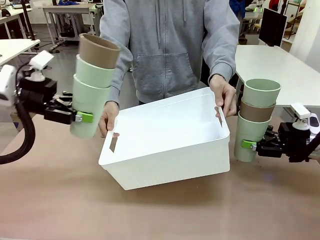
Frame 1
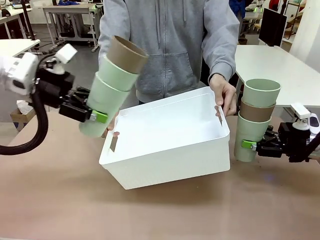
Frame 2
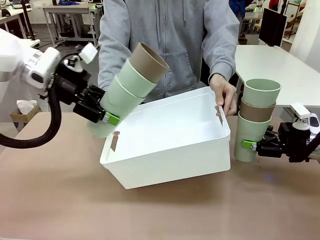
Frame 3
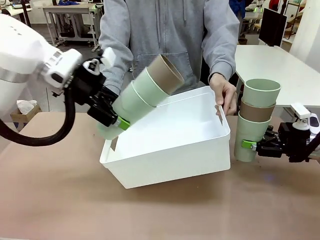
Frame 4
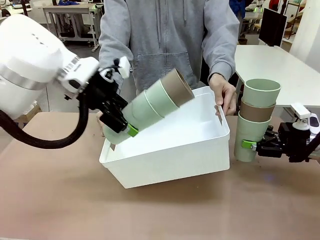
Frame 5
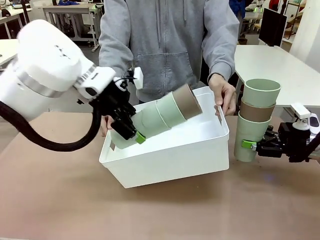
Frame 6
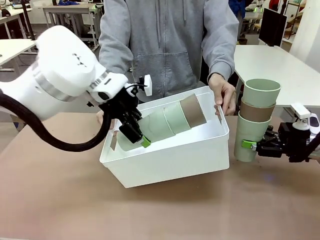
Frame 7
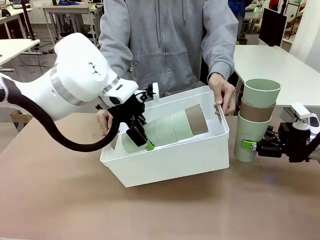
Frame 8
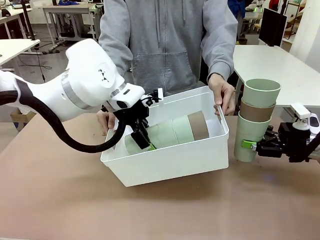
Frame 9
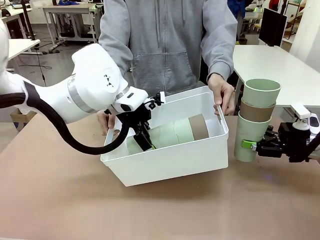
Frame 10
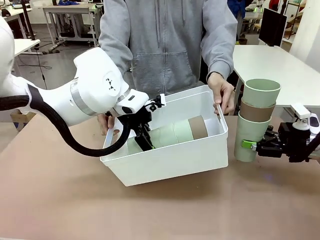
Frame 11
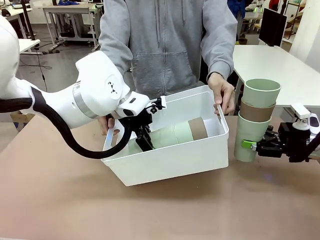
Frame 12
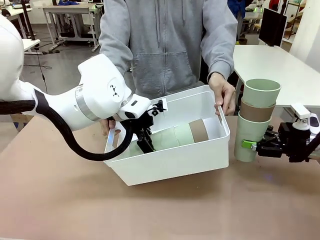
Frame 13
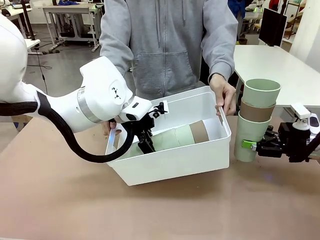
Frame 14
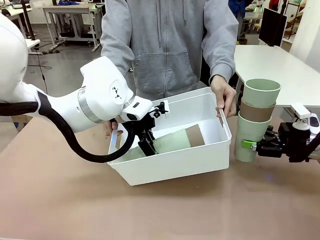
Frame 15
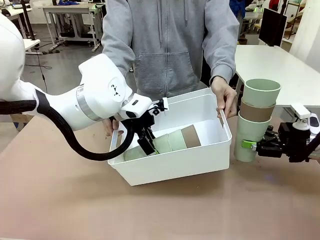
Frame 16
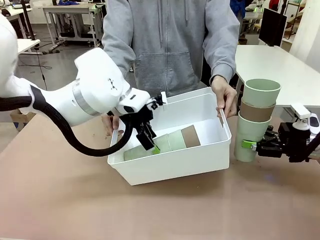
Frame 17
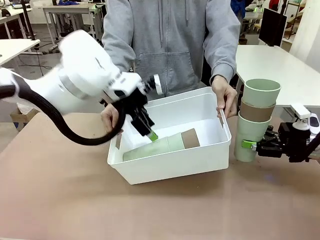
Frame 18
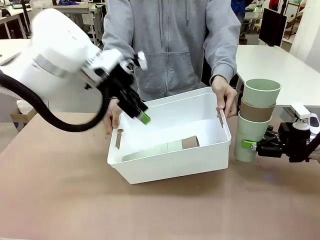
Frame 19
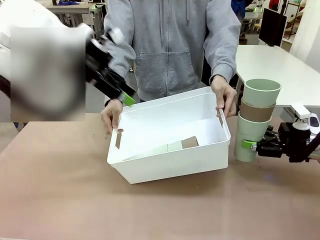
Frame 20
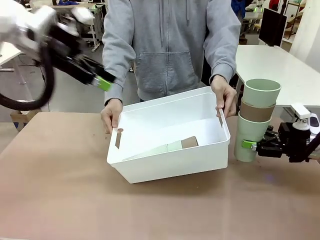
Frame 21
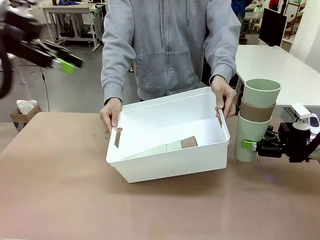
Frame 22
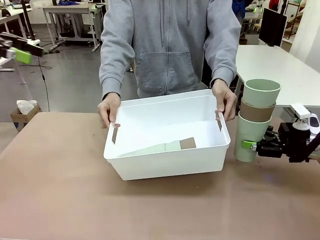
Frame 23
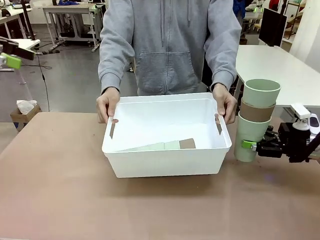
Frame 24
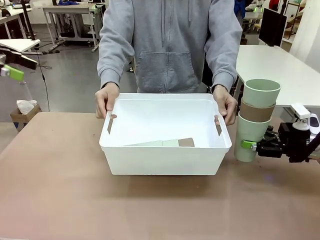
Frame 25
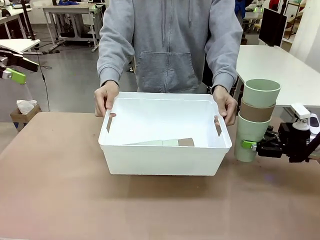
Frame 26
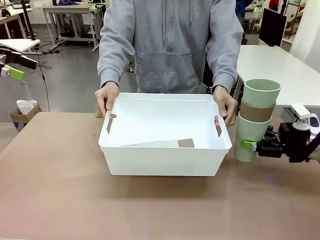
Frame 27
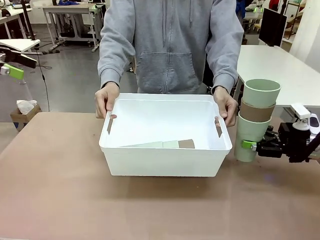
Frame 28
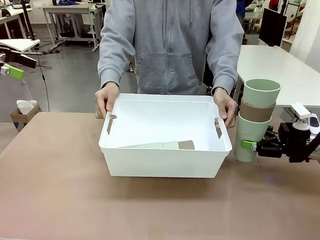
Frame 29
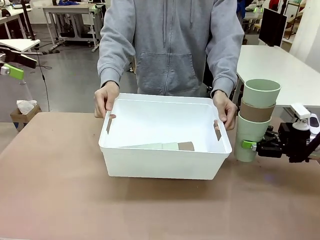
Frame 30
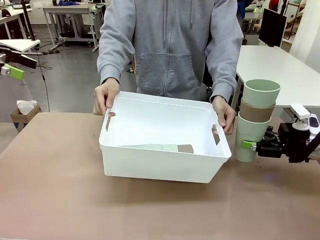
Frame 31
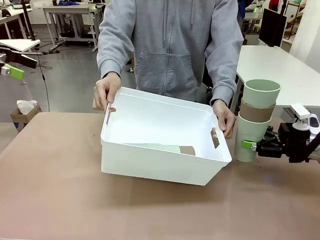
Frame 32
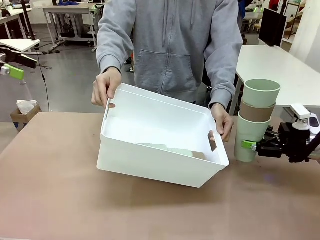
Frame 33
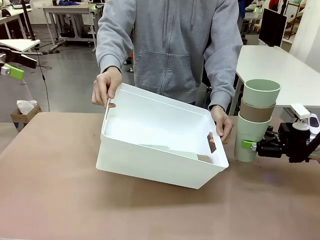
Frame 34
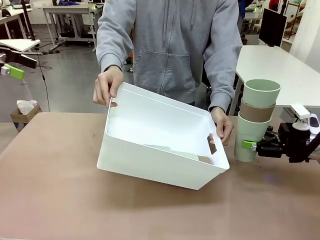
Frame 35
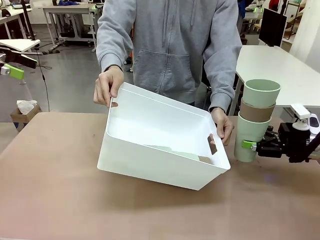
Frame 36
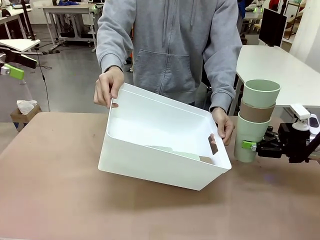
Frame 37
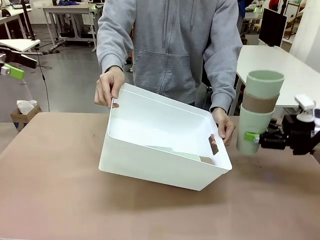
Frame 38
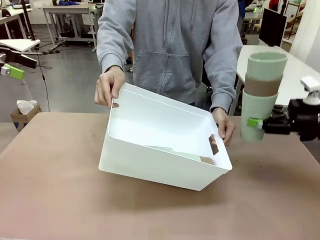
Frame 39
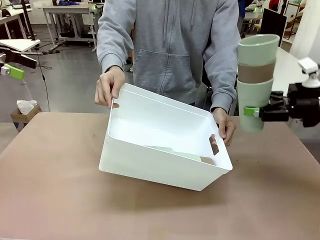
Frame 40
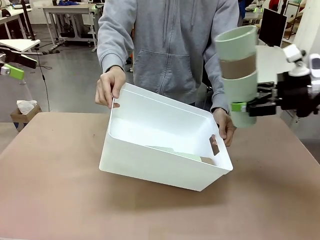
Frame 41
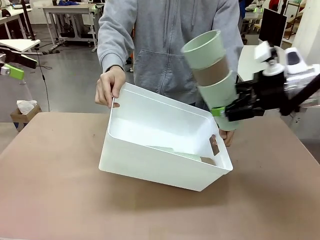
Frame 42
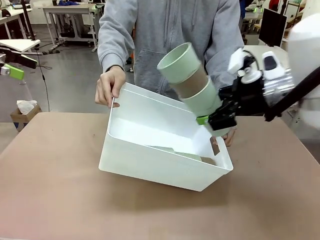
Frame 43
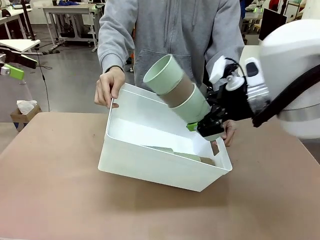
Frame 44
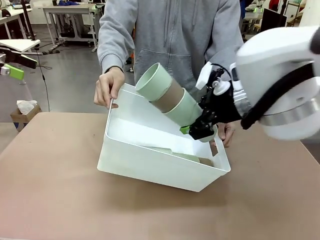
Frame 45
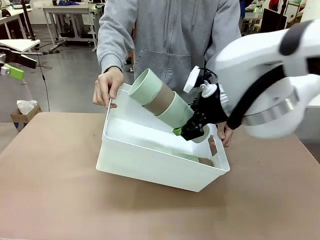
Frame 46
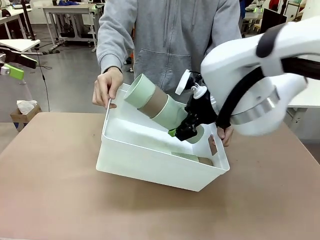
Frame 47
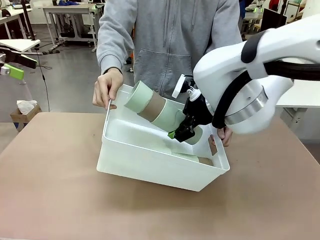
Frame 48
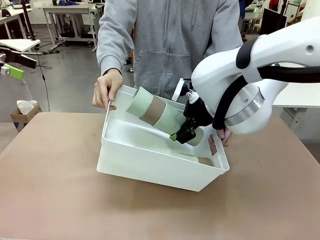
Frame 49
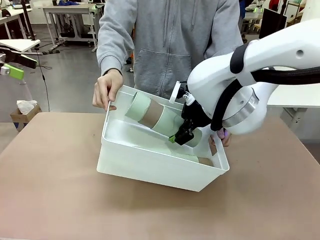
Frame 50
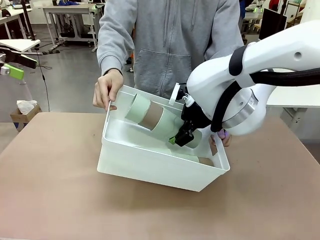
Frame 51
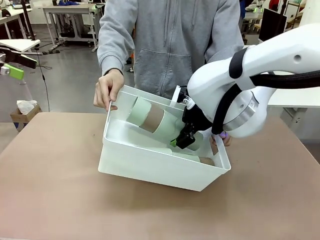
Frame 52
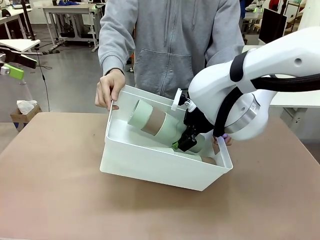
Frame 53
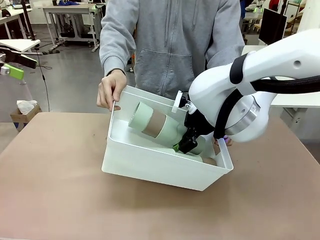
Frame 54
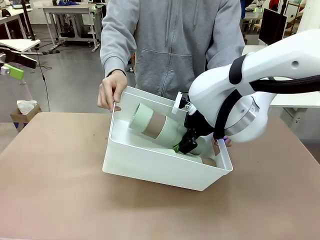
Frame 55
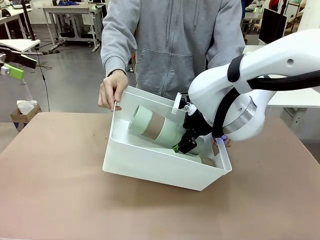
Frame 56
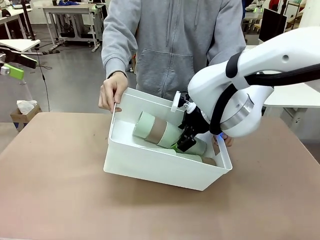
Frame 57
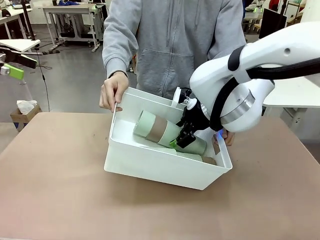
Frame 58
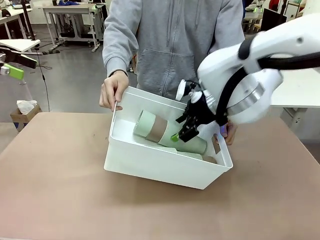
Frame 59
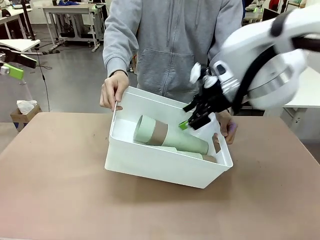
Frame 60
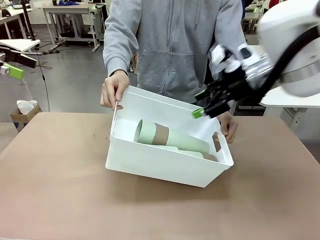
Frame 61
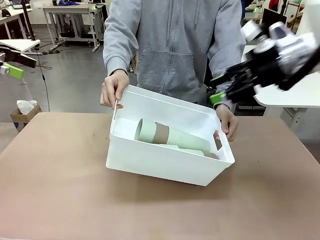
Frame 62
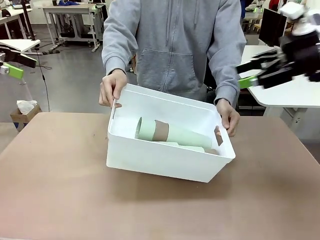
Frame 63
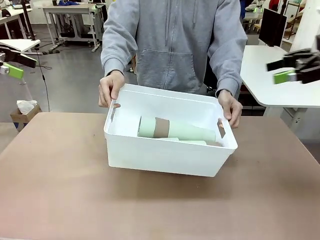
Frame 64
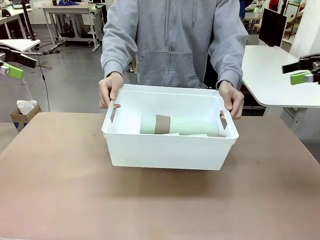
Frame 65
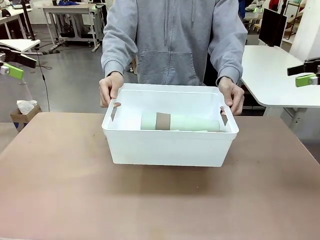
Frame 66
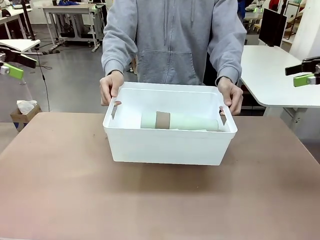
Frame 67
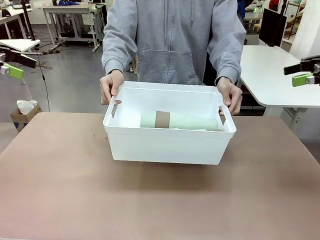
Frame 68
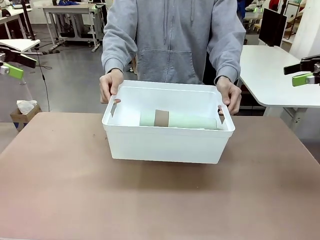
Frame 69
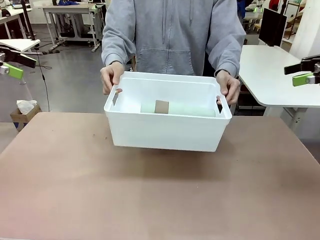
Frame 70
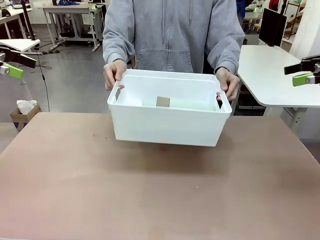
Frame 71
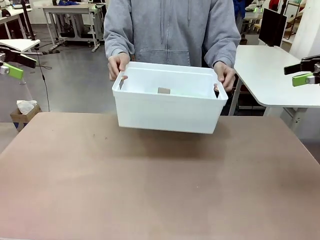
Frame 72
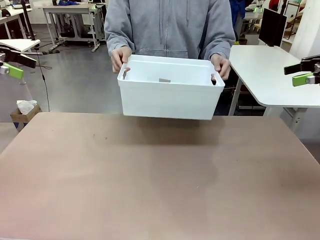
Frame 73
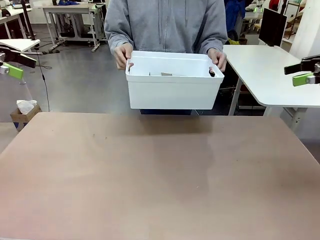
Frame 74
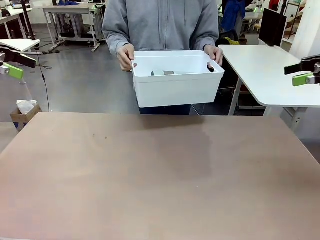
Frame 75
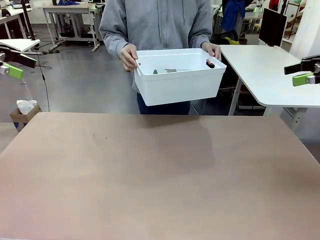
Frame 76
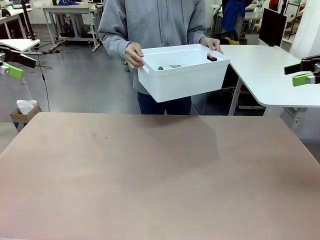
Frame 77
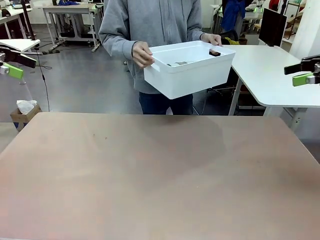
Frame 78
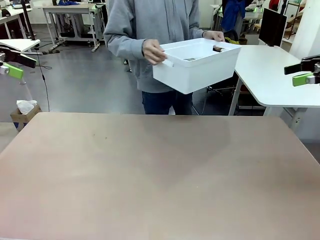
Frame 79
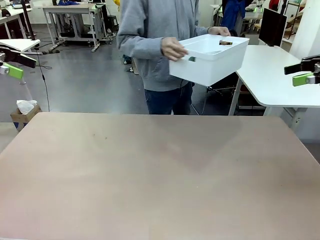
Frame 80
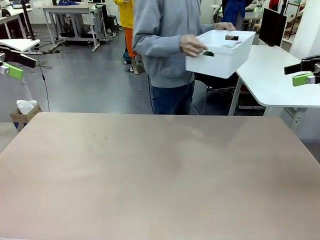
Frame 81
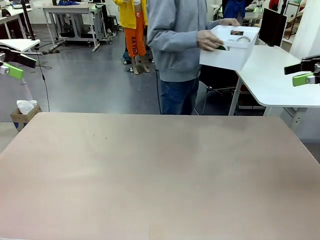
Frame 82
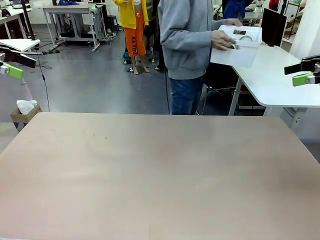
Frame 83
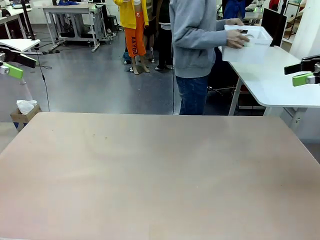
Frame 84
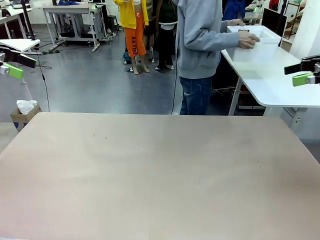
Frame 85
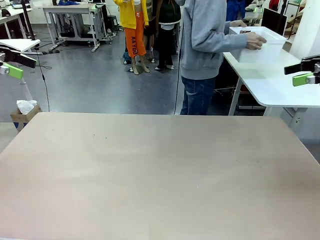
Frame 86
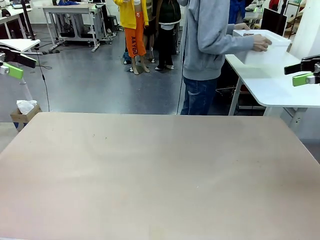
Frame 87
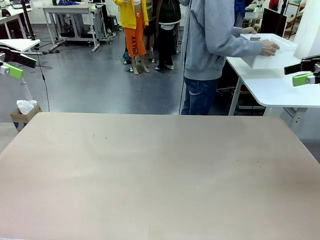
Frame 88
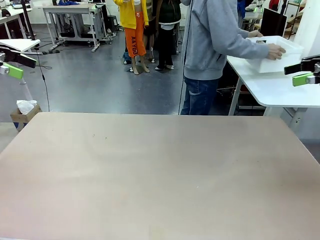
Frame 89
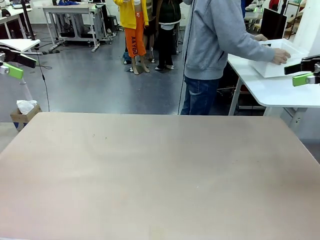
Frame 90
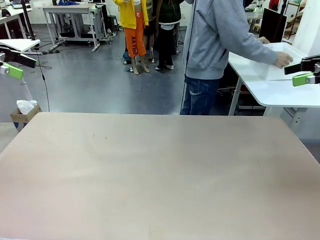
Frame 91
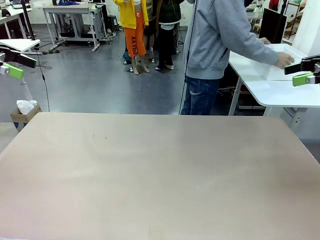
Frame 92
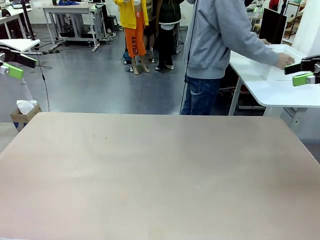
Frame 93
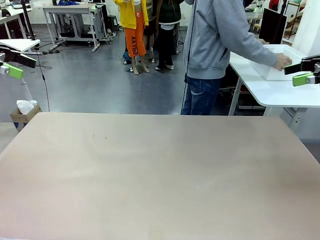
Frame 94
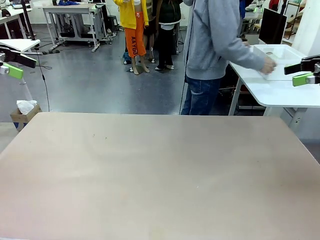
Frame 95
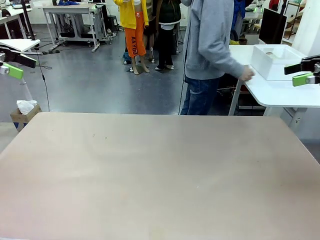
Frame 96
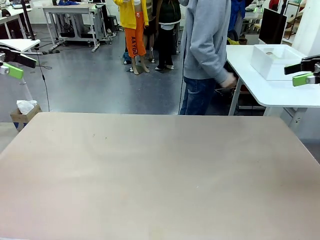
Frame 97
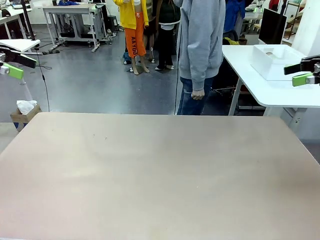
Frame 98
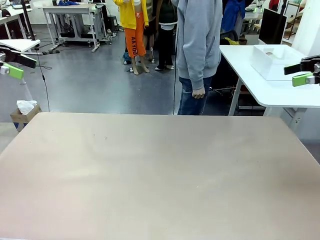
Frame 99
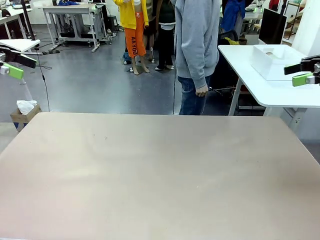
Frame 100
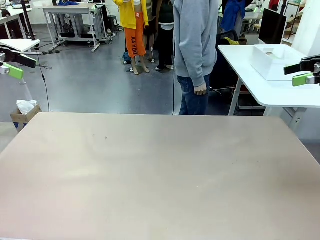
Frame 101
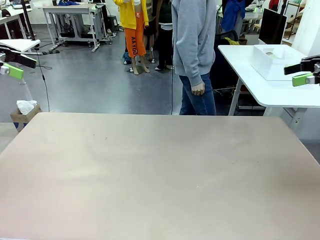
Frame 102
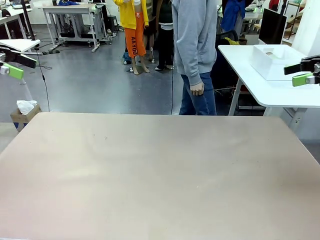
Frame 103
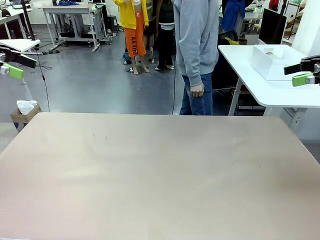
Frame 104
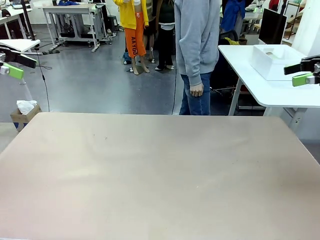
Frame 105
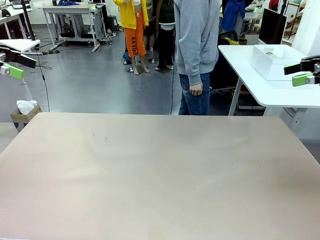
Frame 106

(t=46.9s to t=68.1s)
Task: Stack the cups and store them in the basket.
Robot: Place the stack of Reusable plastic cups into the Pantry Basket.
Person: Place the basket containing the cups in the middle of the Human Table.
